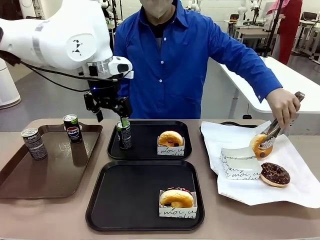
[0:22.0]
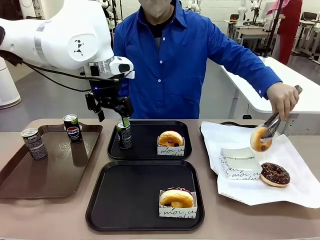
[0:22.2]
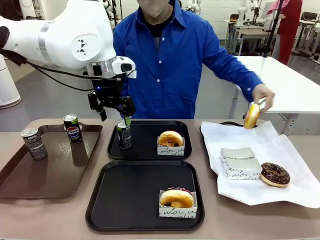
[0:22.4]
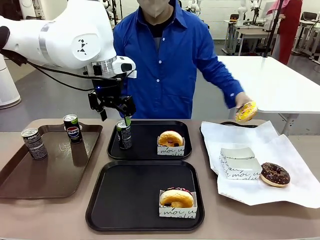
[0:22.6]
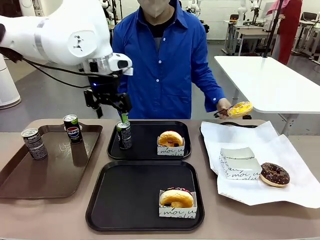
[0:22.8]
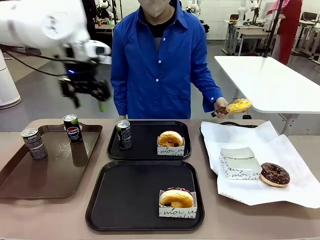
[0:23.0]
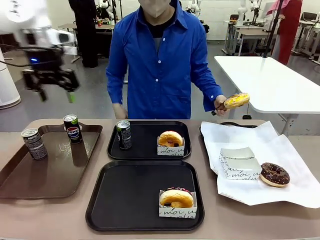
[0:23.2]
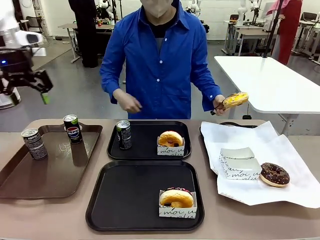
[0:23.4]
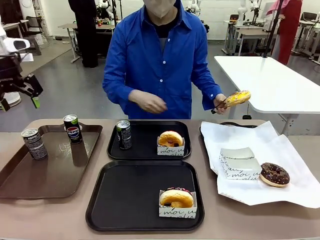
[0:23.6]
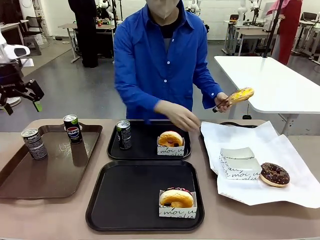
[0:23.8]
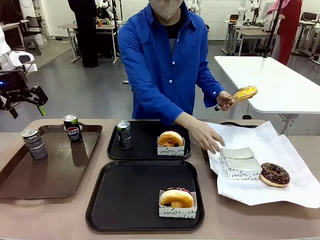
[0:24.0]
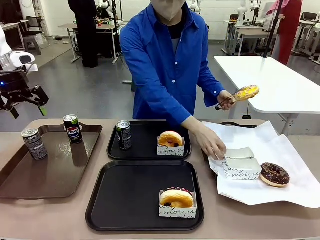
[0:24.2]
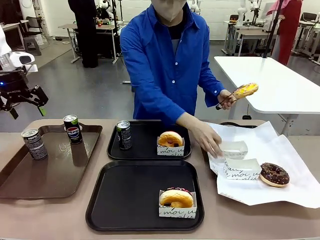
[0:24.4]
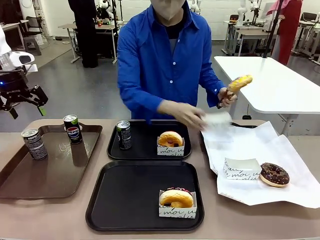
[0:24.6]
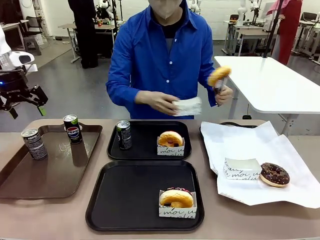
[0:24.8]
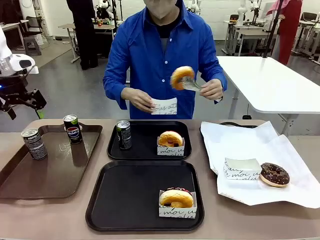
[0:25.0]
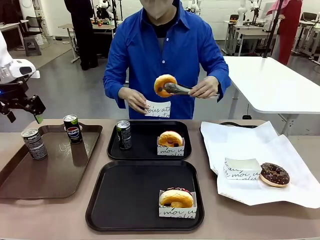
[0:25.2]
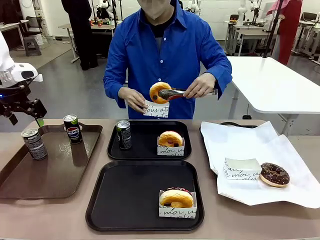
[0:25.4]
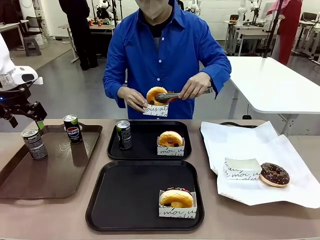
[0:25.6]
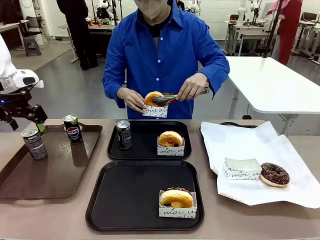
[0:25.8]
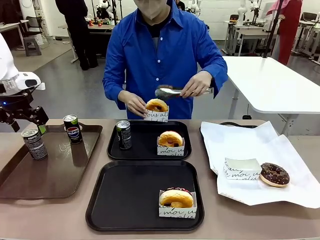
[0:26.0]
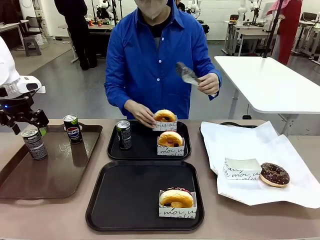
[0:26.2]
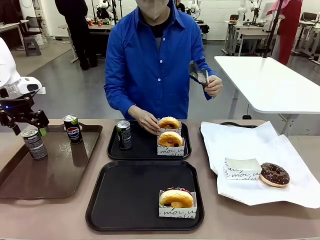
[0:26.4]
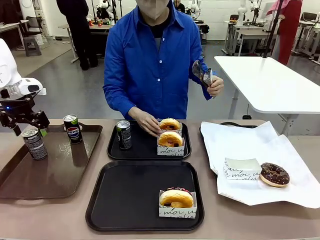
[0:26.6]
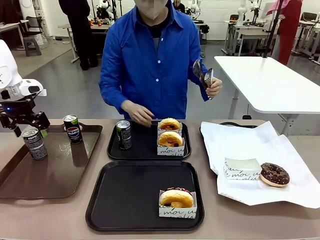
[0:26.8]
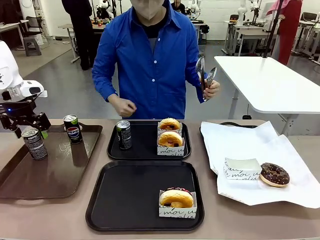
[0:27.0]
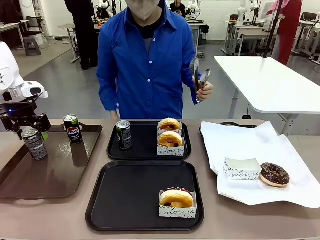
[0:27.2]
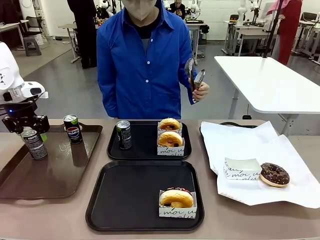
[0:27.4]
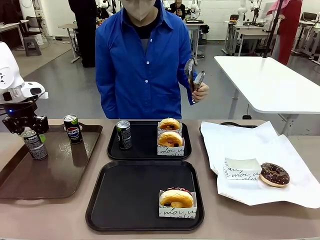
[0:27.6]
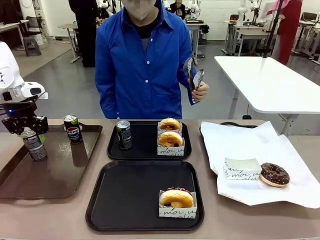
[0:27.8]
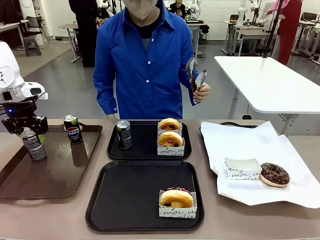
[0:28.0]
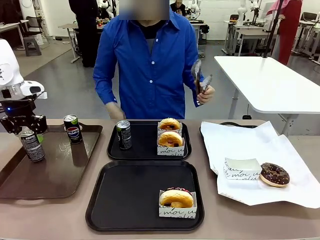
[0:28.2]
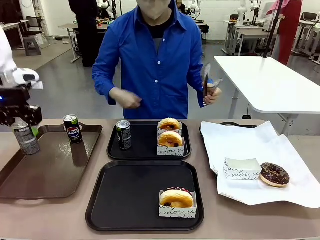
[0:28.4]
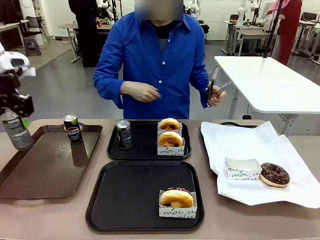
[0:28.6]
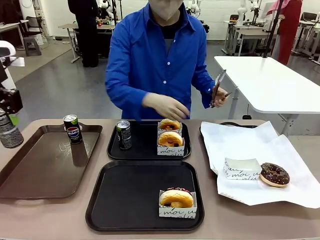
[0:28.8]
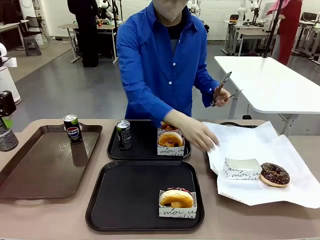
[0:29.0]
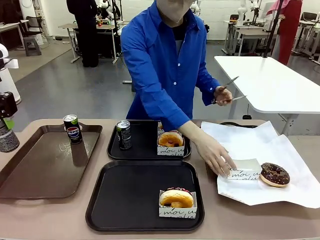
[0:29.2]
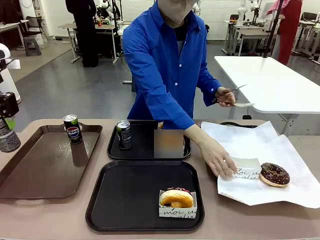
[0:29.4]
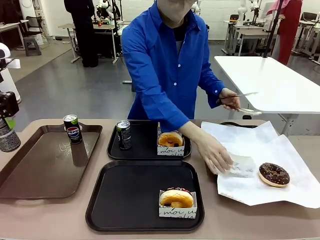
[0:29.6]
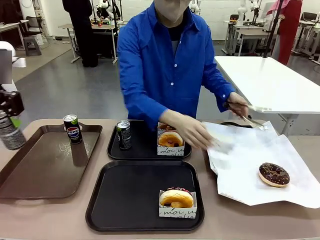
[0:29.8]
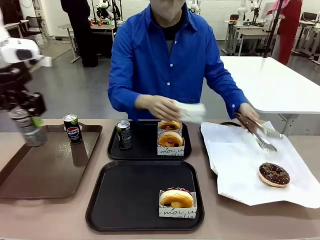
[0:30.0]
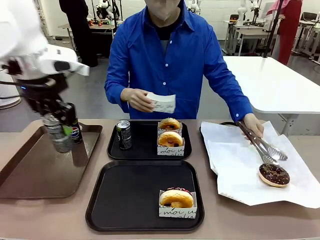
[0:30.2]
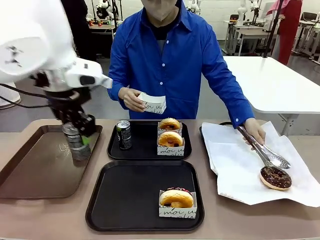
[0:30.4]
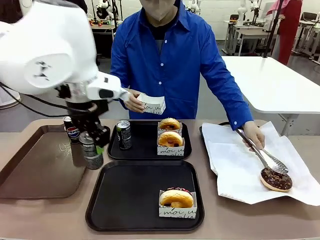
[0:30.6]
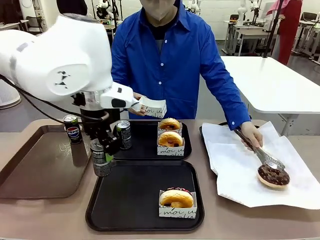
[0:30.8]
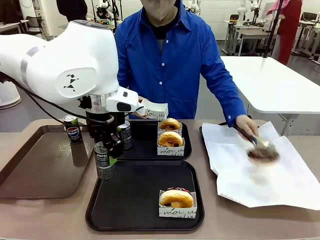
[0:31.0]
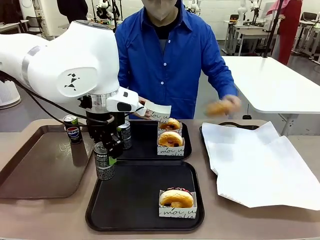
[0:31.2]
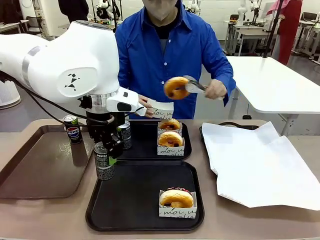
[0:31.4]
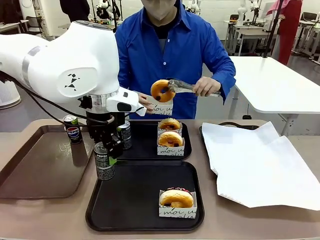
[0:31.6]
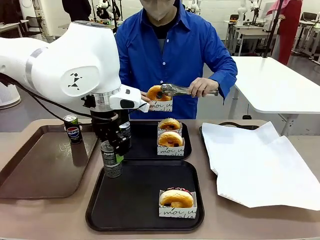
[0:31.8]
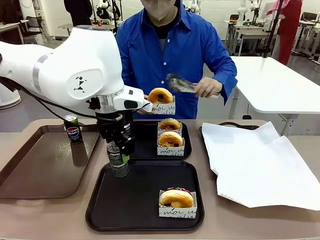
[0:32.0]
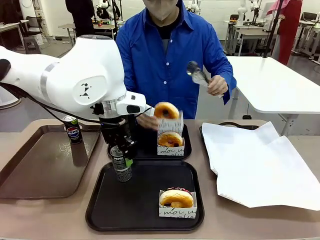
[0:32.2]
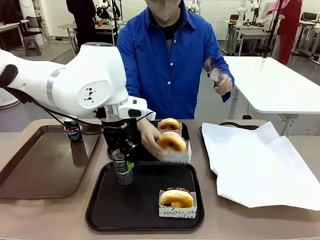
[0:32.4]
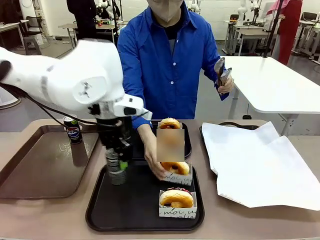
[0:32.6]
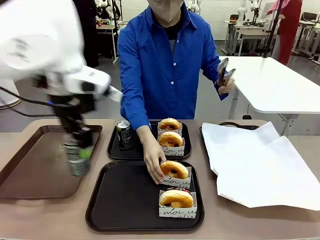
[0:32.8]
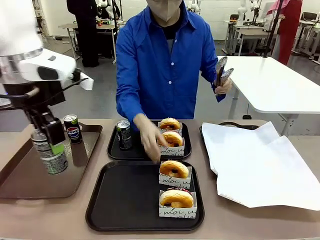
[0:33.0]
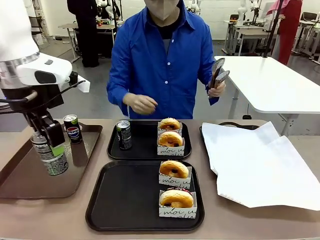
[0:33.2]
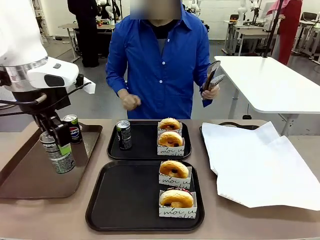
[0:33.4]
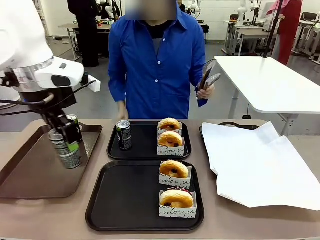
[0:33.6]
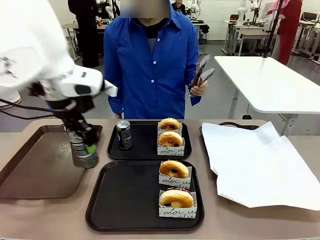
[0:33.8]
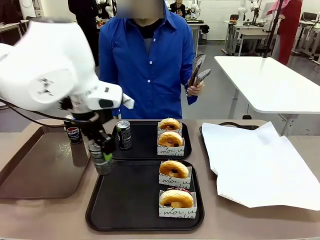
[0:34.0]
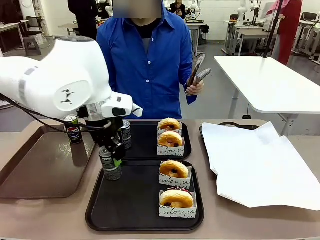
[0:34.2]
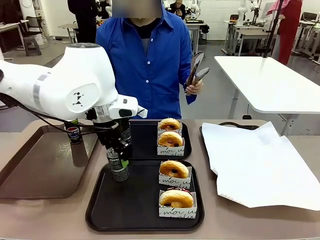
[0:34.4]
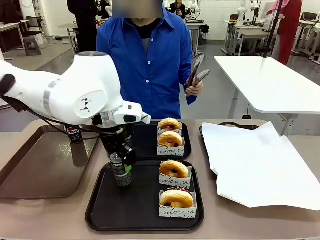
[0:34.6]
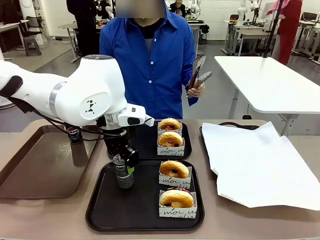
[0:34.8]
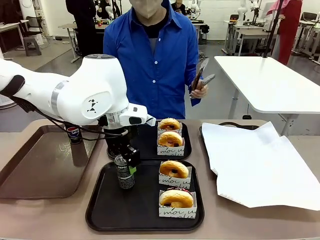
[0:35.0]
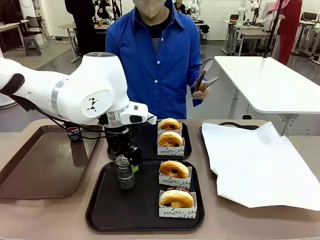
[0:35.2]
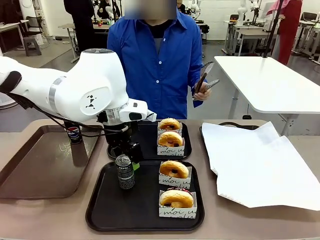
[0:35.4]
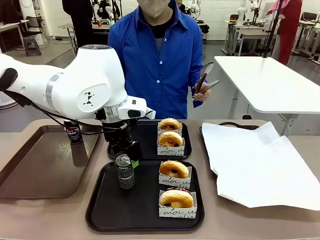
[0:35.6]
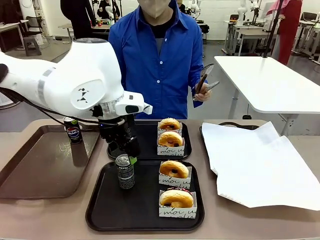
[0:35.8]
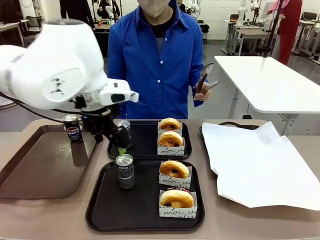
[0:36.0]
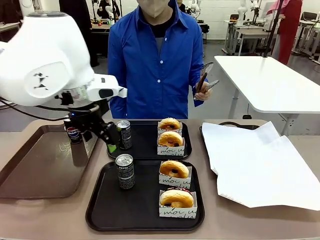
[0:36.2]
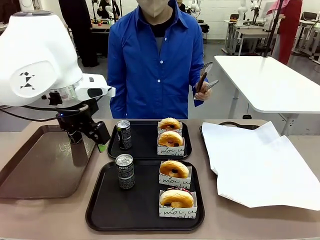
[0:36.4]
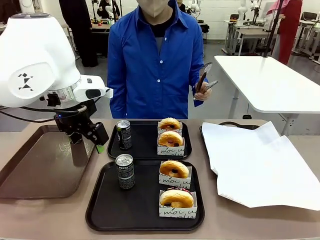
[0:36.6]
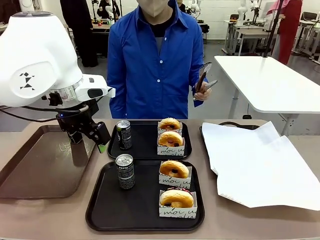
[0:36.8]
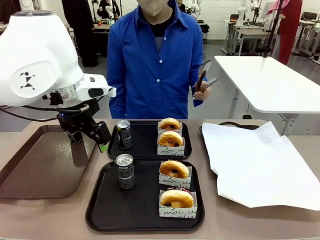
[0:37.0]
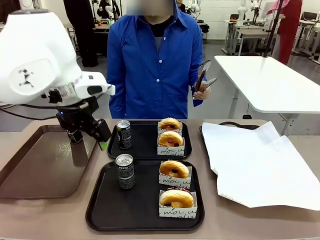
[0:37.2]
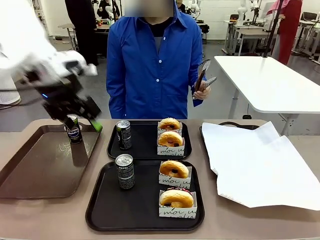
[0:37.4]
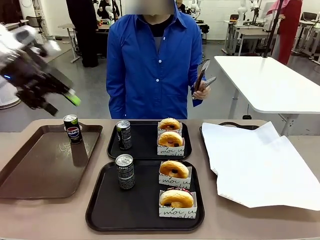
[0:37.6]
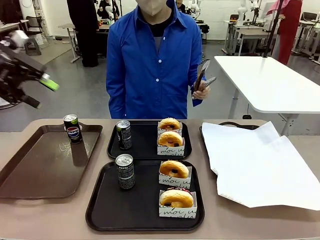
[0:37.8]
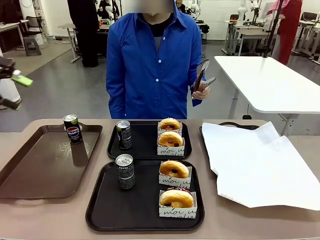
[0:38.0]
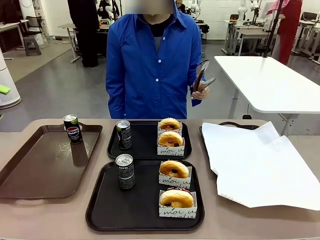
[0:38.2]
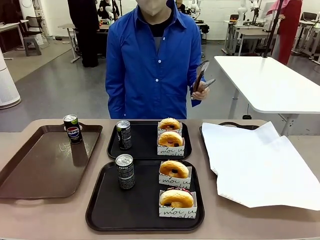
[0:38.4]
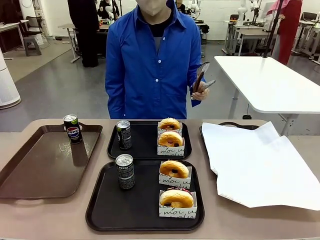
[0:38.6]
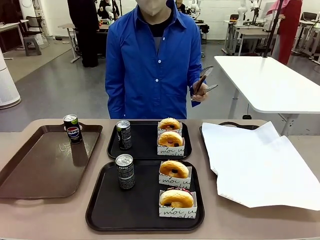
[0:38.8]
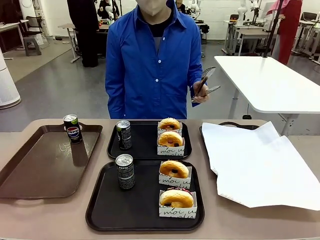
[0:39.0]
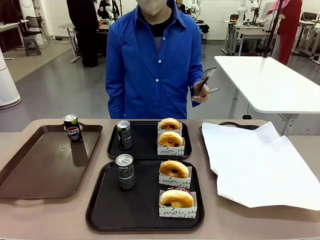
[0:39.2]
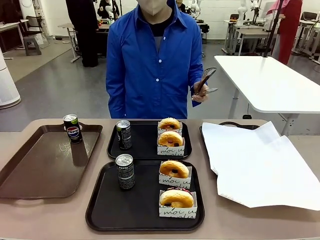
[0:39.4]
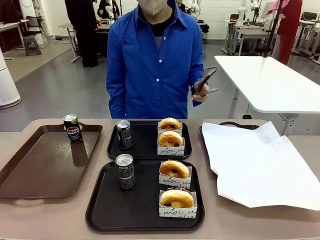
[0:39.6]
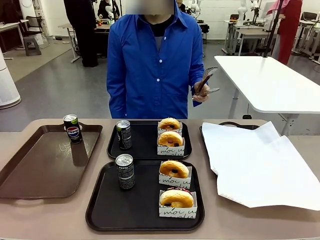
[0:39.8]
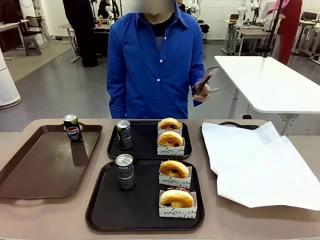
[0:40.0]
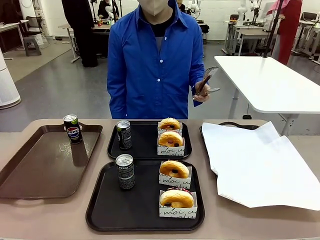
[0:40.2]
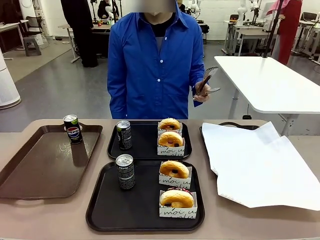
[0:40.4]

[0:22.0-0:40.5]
Task: Set up donuts and drinks on trays.
Robot: Pick up one Pepsi coke from the Handle tray and place it on the Flat Tray without a Pepsi coke.
